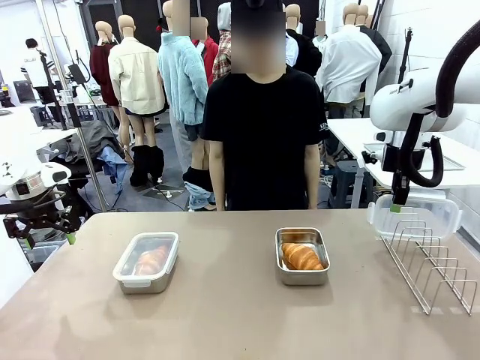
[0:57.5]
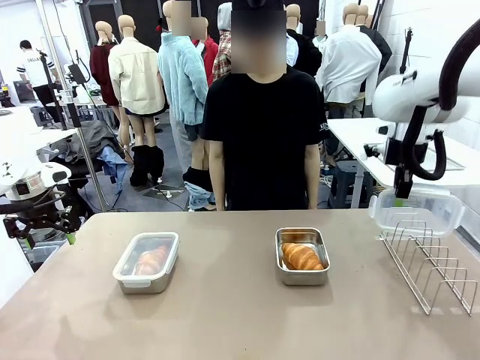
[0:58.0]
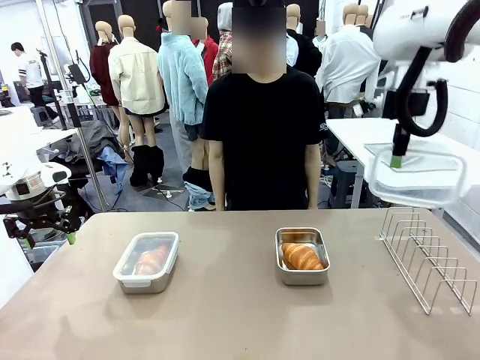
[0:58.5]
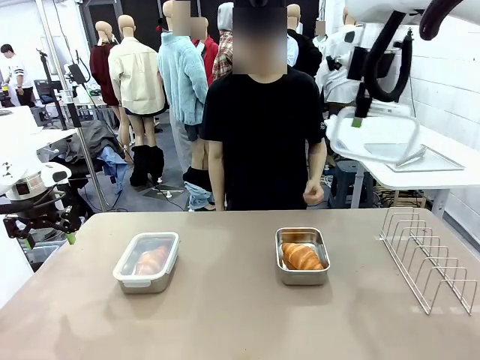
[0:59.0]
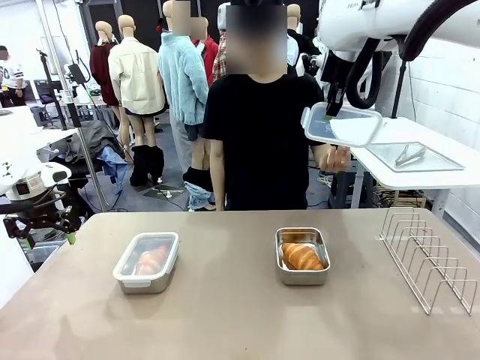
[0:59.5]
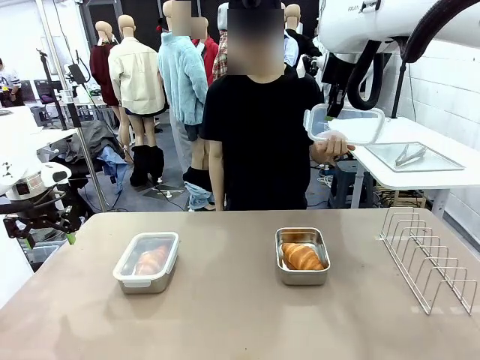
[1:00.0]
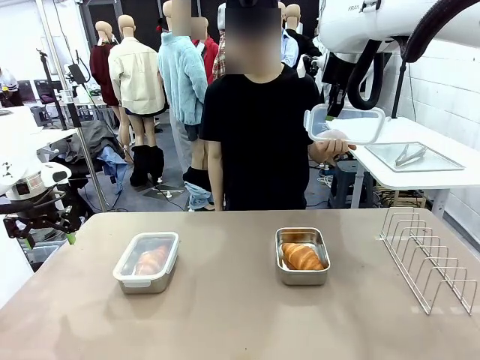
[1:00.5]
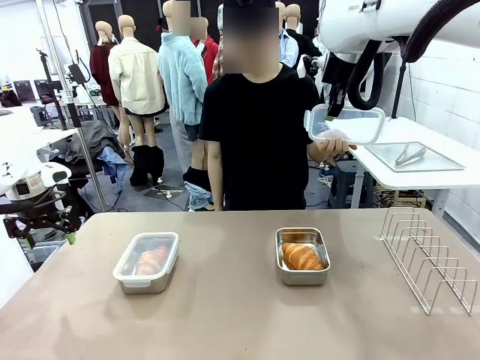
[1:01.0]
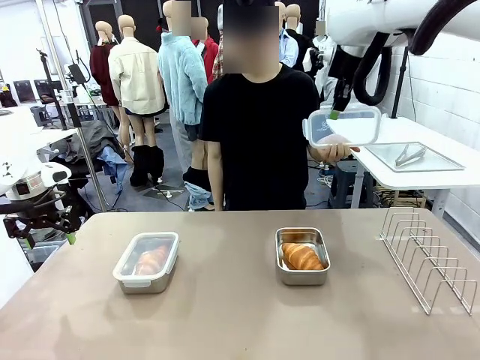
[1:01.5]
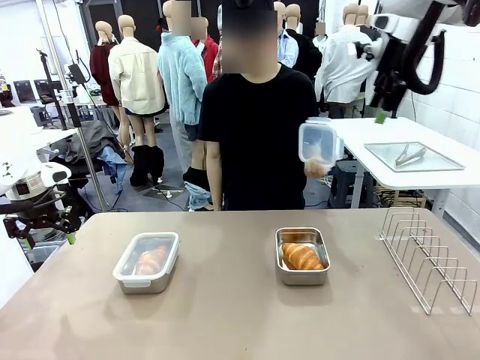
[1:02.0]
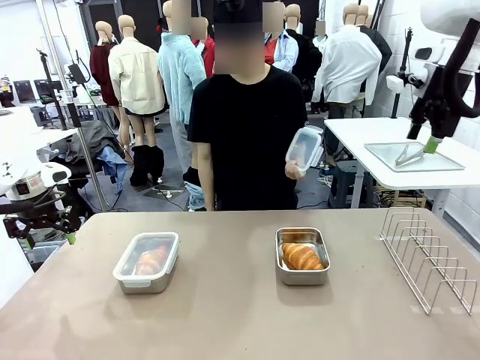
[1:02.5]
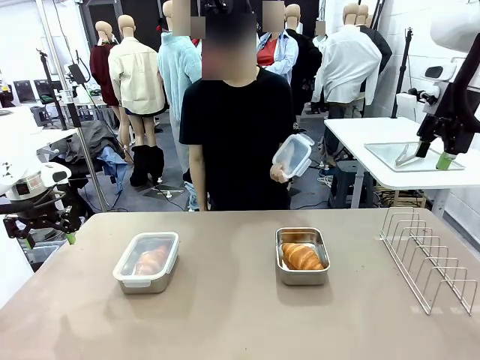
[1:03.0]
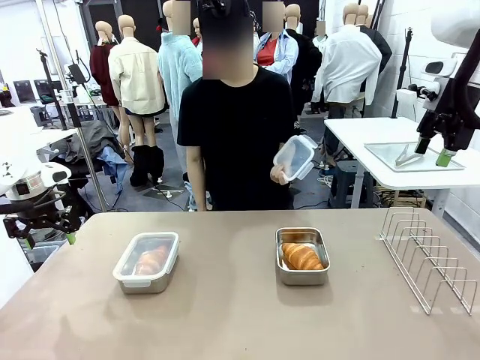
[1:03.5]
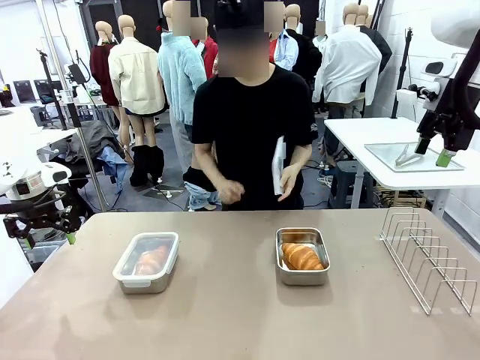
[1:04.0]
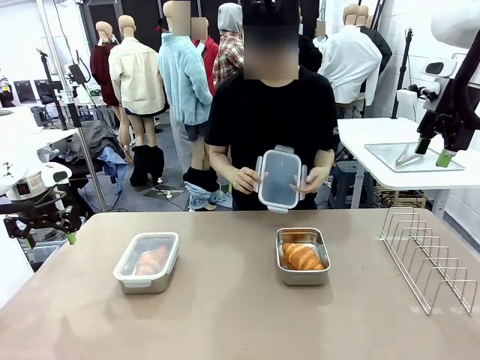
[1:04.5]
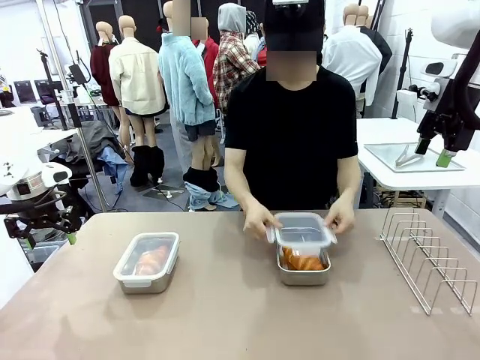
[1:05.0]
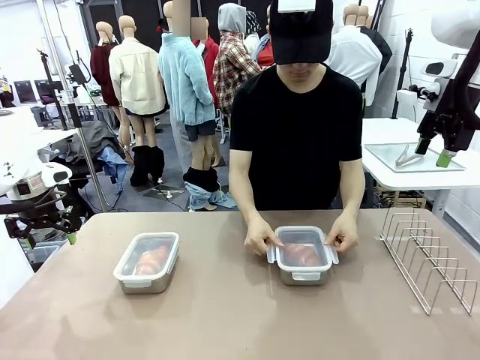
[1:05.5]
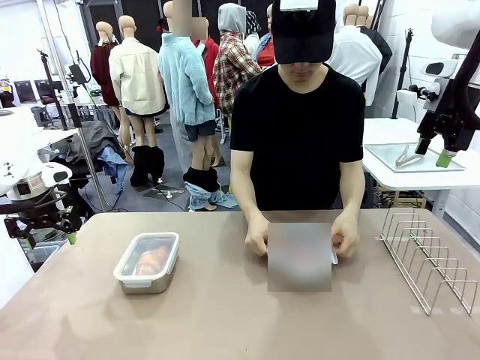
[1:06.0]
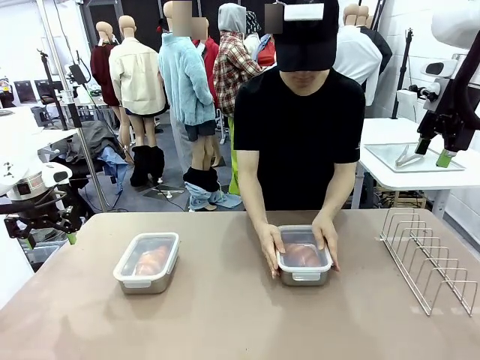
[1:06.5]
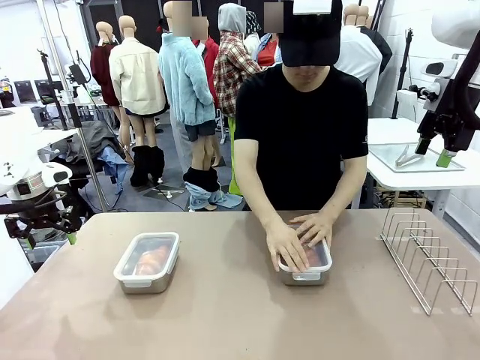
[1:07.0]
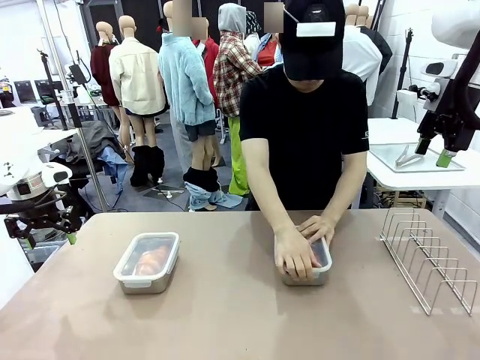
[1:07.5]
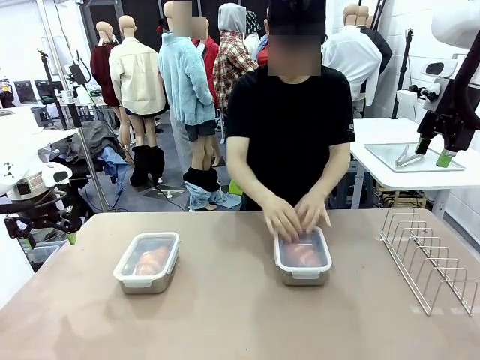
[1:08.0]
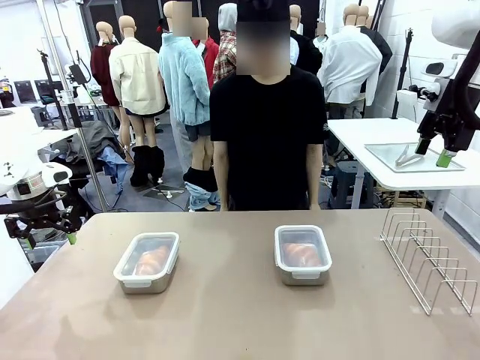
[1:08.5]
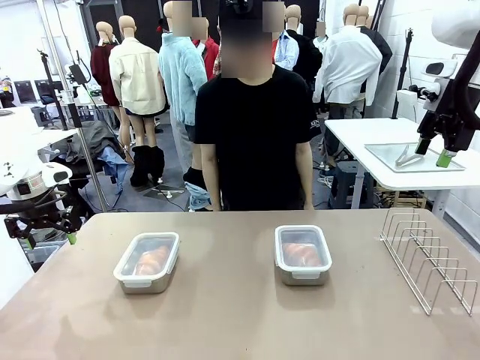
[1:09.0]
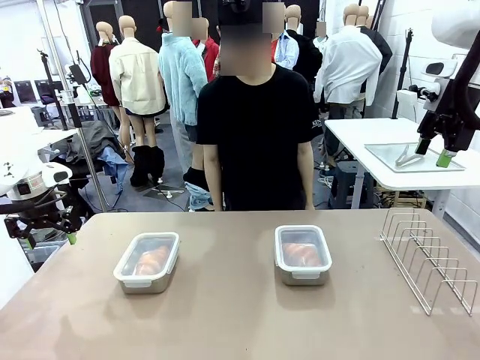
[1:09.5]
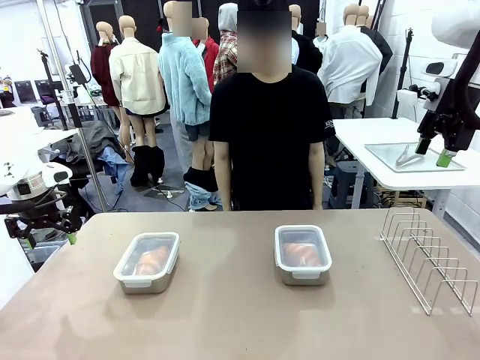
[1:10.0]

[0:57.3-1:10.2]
Task: Place the bread in airtight containers.
Robot: Release when the human grabs the Airtight Container lid.
Person: Grip Airtight Container lid that robot is handing. Close Airtight Container with a handed Airtight Container lid.

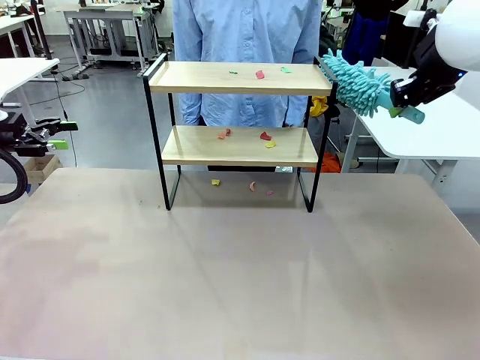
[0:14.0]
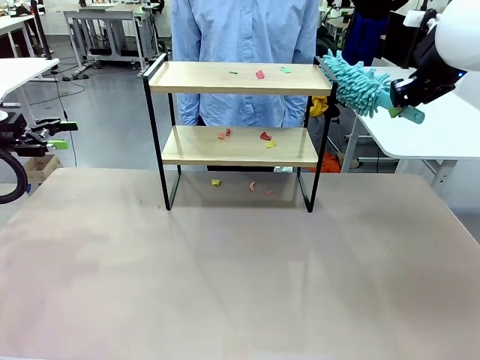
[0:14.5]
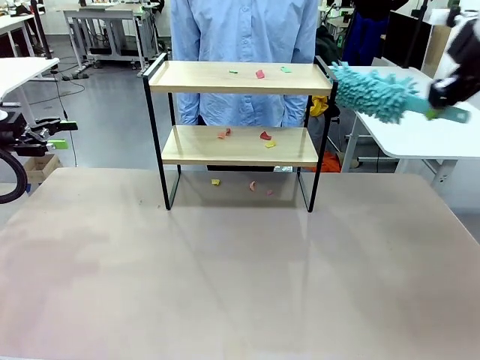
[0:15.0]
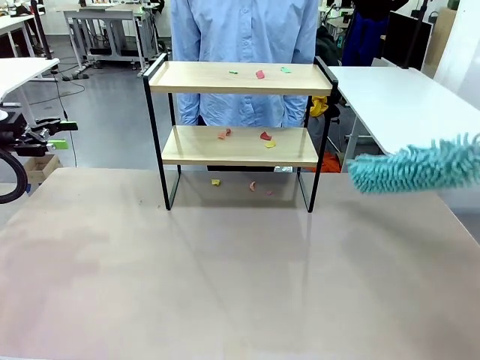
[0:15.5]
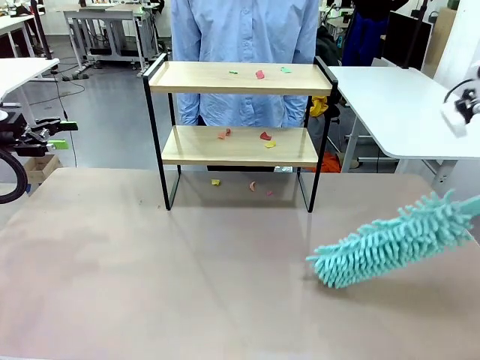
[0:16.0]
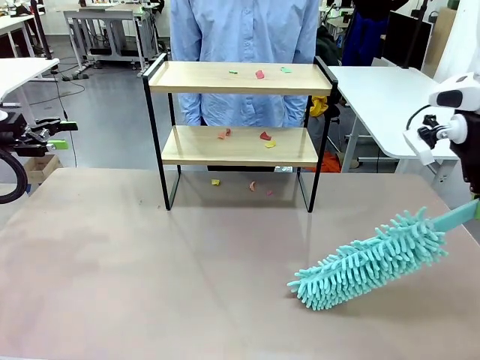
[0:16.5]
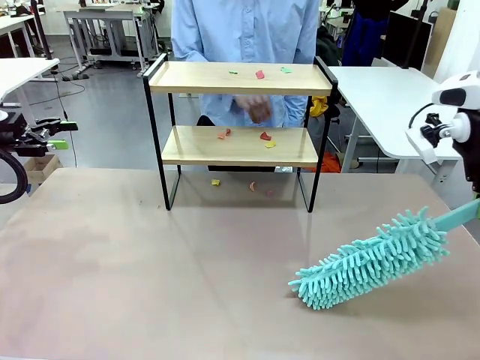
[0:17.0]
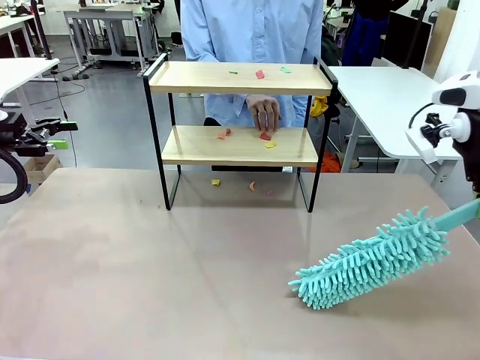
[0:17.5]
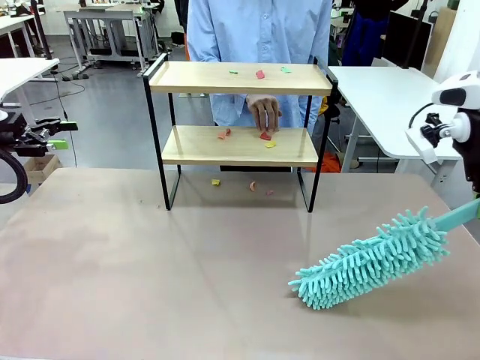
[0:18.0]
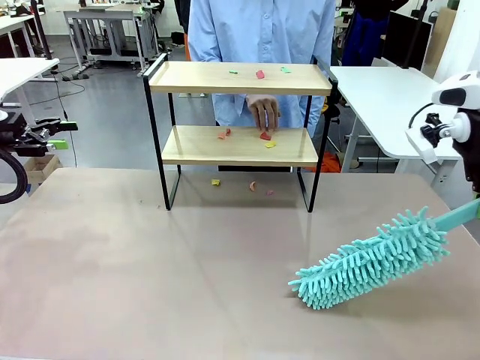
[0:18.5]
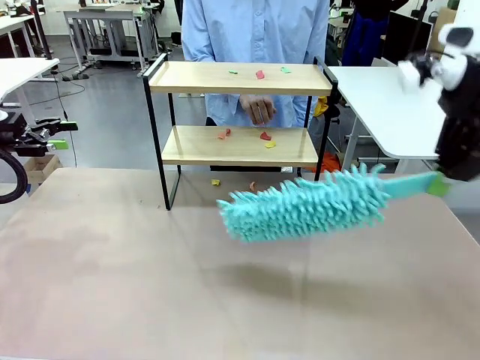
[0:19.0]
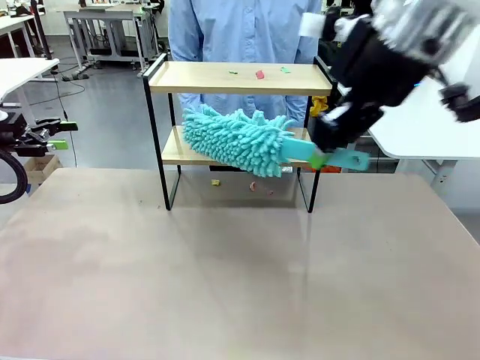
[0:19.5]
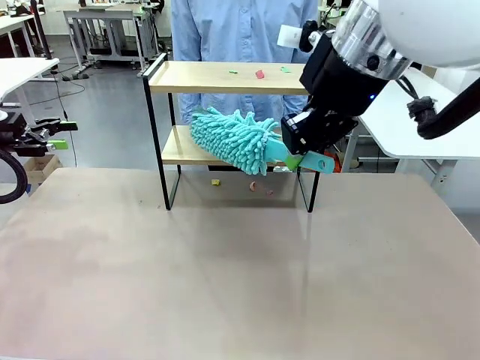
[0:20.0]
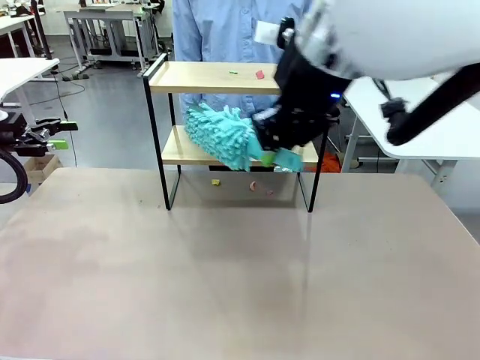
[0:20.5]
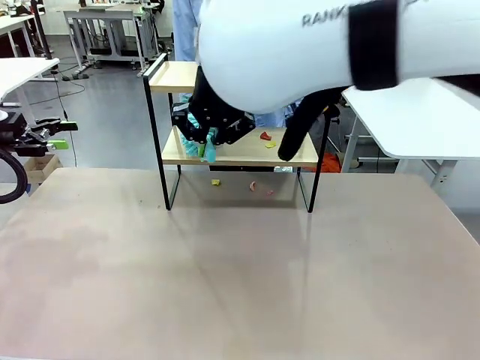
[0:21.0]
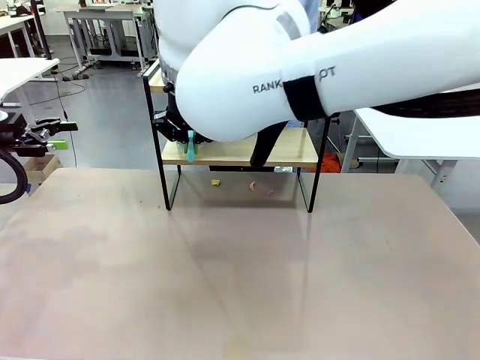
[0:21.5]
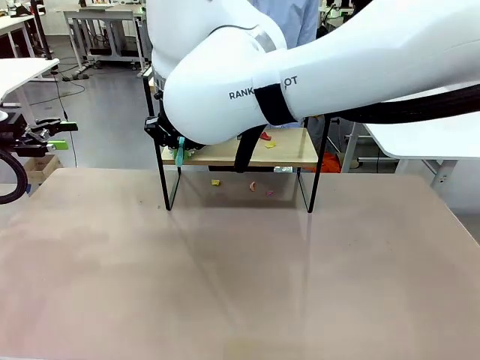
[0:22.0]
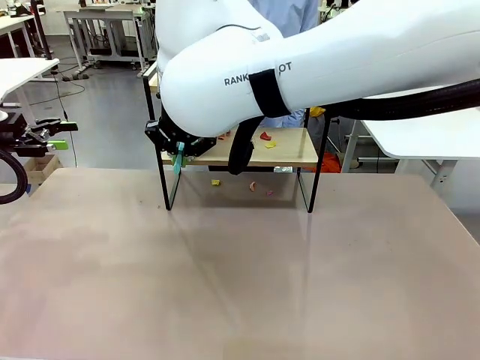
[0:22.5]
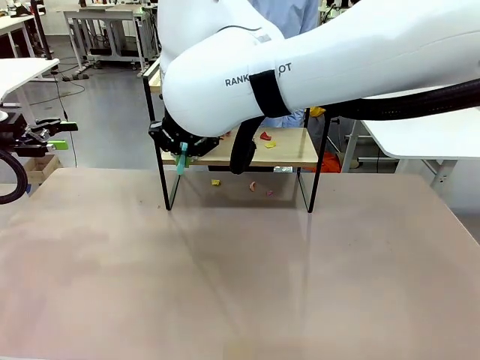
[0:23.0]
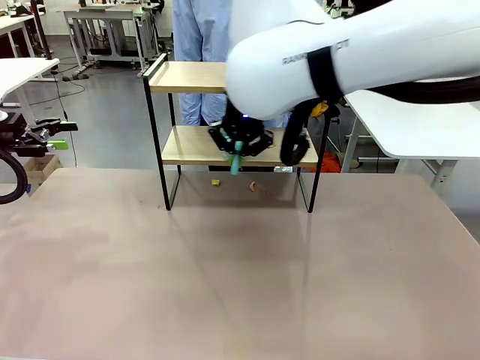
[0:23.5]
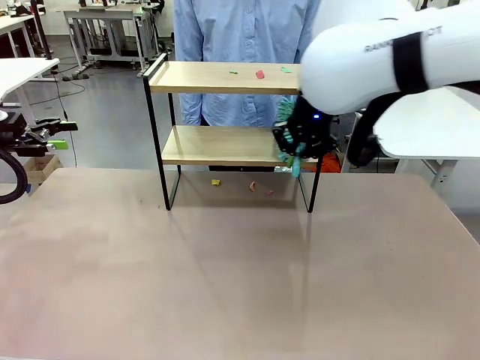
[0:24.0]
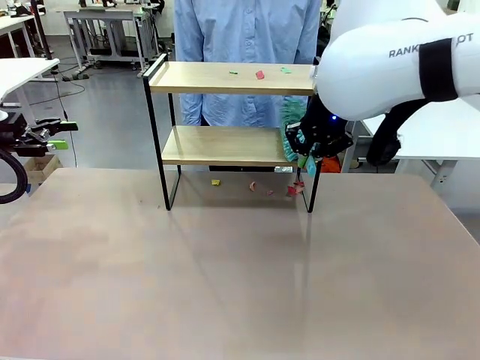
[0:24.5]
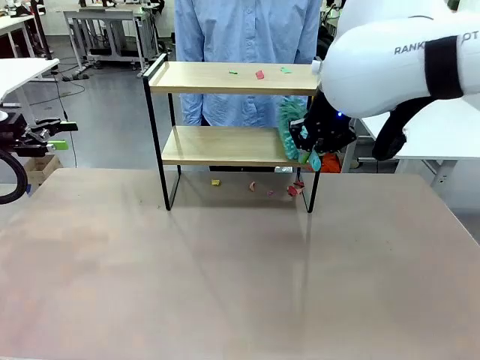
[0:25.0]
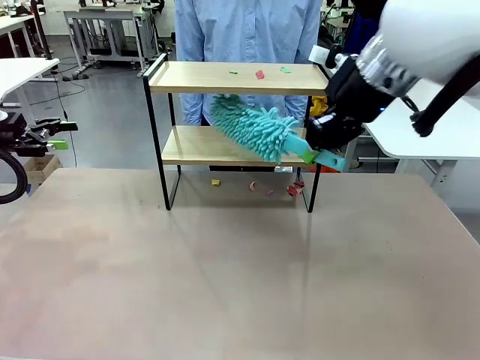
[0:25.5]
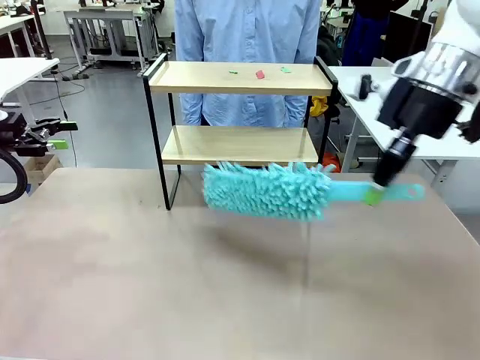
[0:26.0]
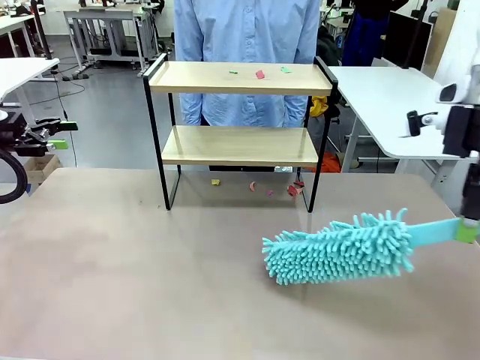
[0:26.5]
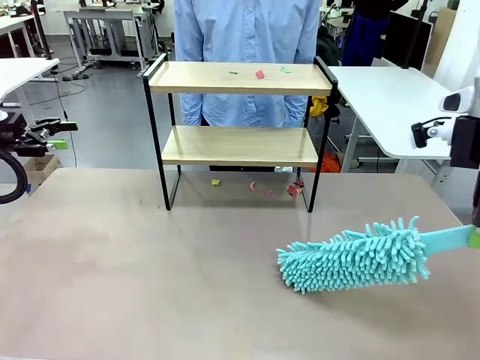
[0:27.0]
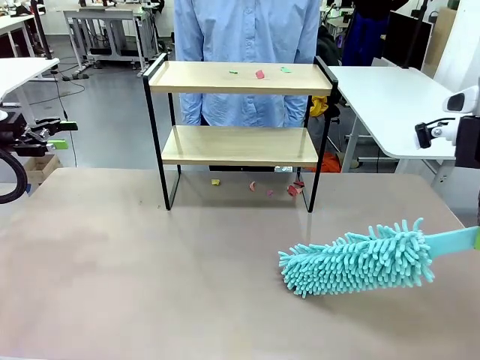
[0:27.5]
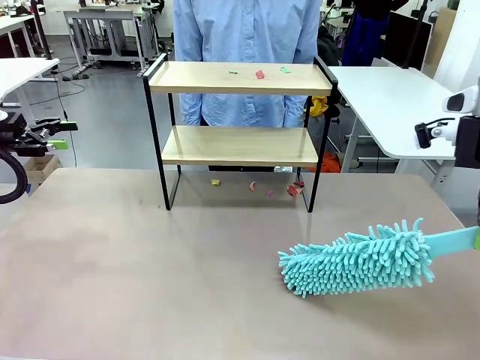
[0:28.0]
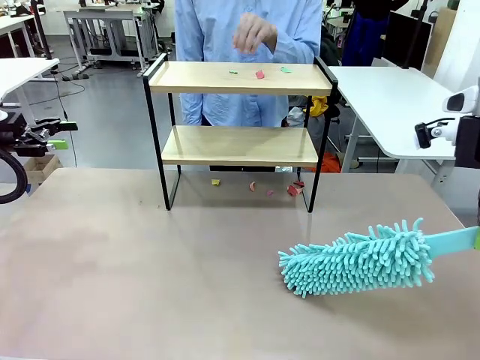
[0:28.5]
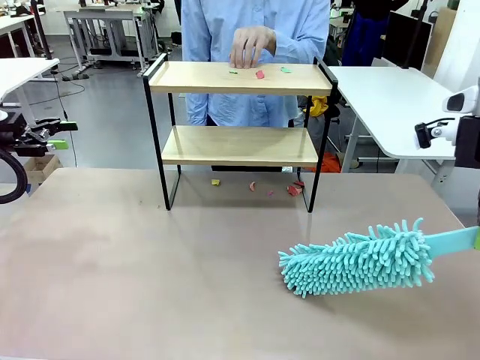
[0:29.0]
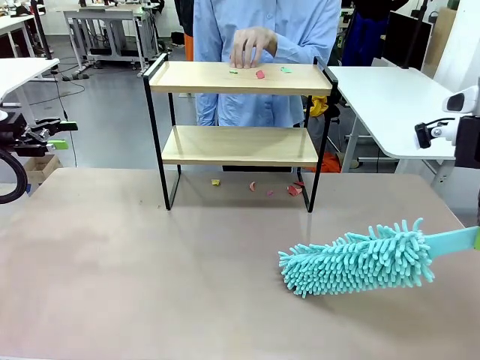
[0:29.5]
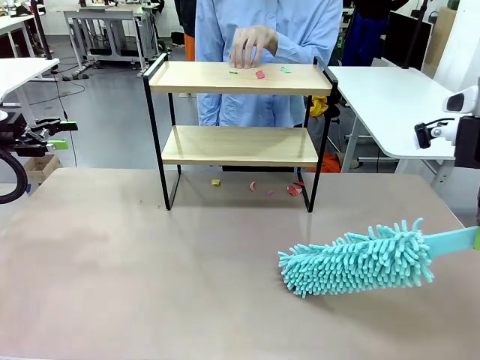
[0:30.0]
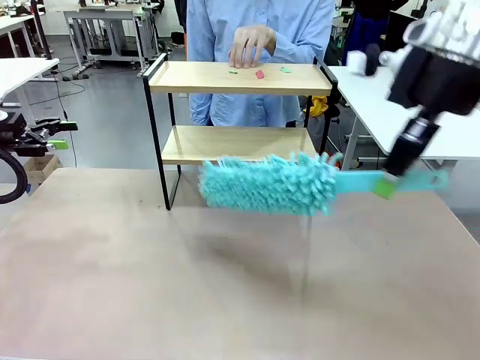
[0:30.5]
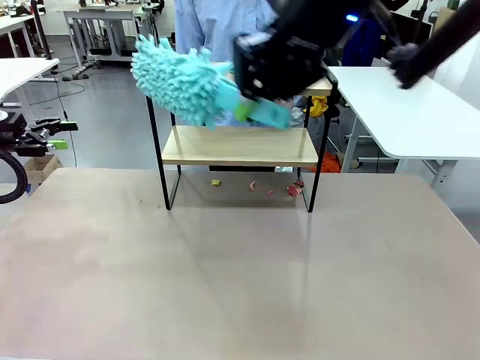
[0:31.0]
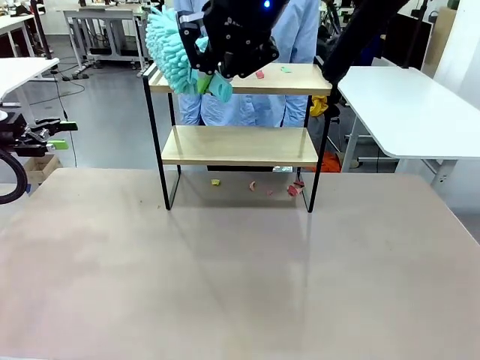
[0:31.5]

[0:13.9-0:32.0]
Task: Clean the shelf.
Robot: Clean the specific section of the Shelf indicated by the human with the Duster.
Person: Point a random section of the Shelf.
